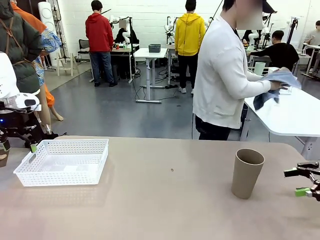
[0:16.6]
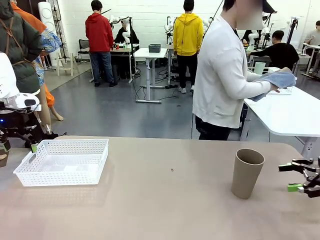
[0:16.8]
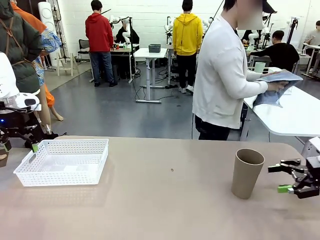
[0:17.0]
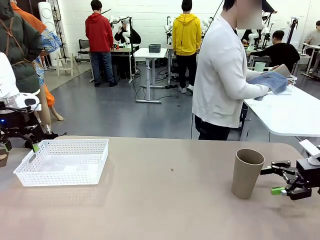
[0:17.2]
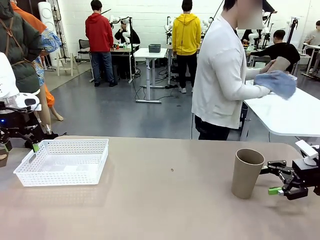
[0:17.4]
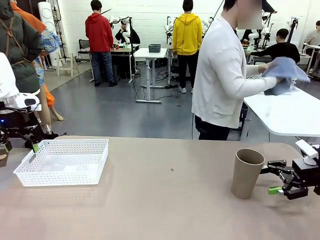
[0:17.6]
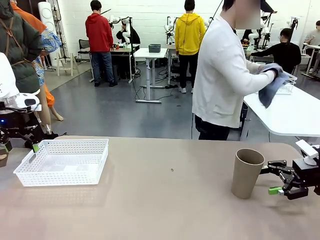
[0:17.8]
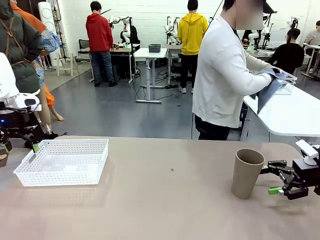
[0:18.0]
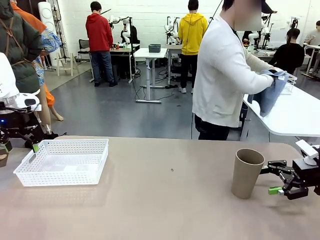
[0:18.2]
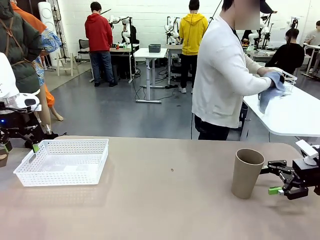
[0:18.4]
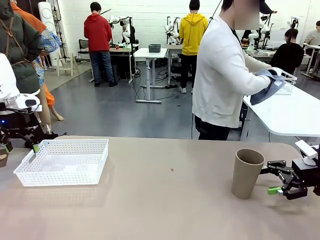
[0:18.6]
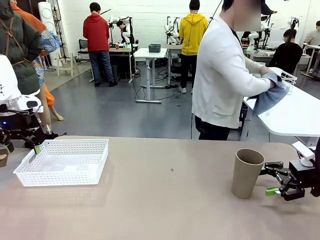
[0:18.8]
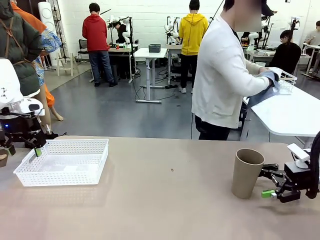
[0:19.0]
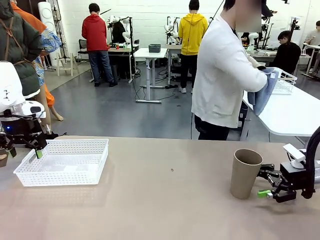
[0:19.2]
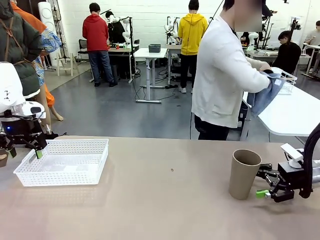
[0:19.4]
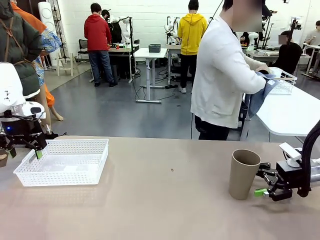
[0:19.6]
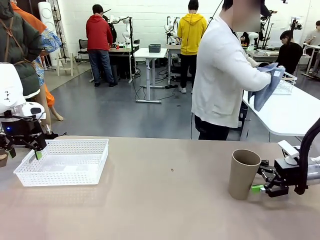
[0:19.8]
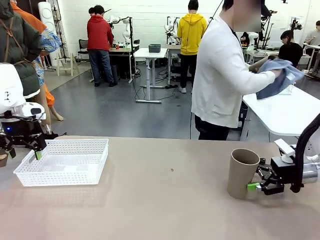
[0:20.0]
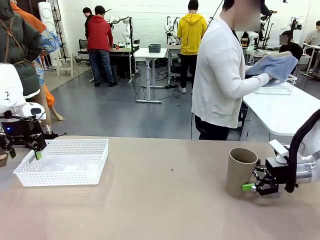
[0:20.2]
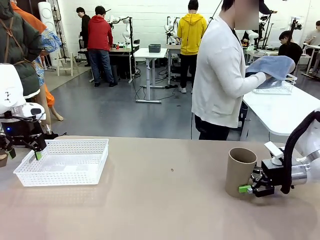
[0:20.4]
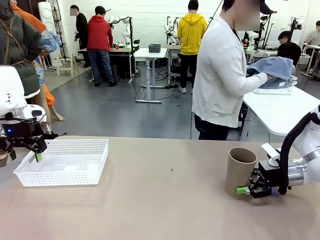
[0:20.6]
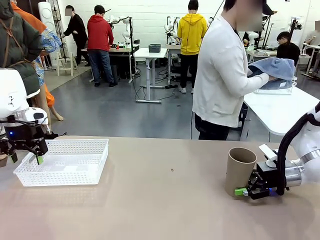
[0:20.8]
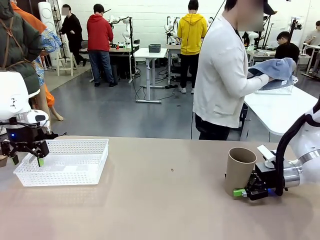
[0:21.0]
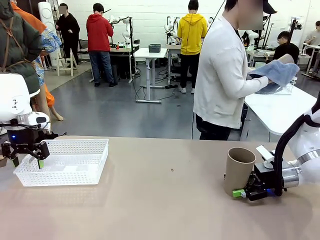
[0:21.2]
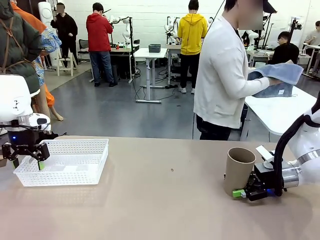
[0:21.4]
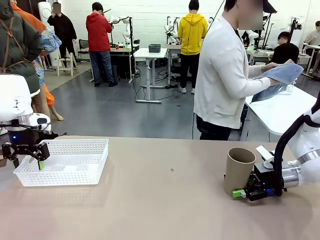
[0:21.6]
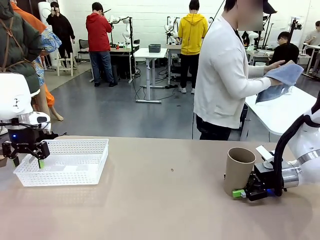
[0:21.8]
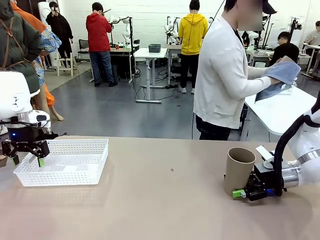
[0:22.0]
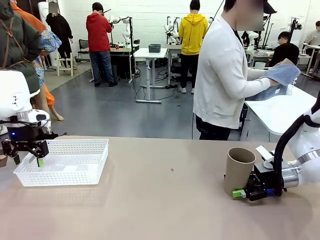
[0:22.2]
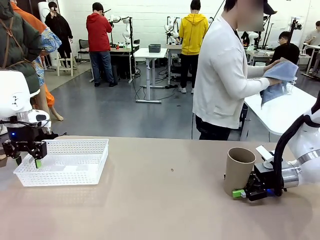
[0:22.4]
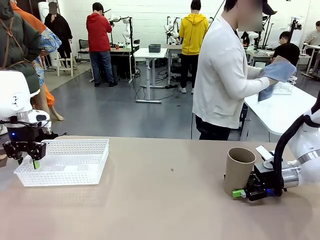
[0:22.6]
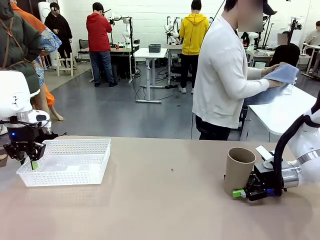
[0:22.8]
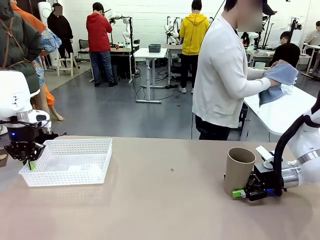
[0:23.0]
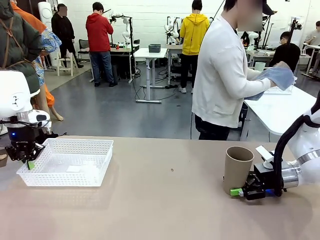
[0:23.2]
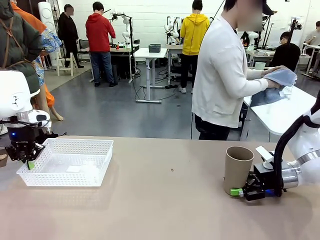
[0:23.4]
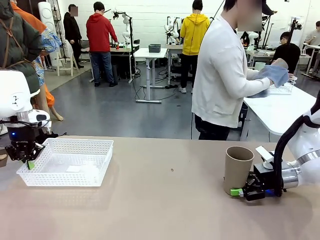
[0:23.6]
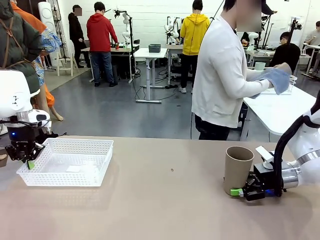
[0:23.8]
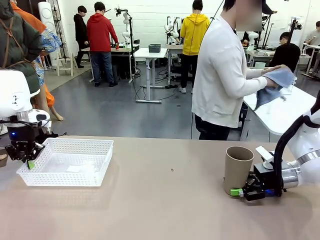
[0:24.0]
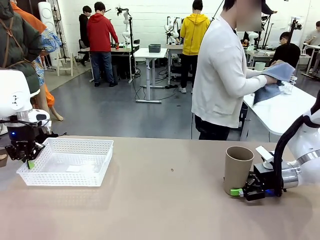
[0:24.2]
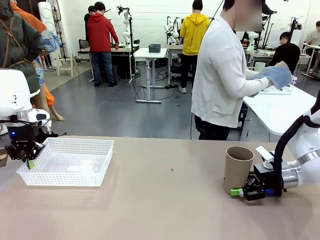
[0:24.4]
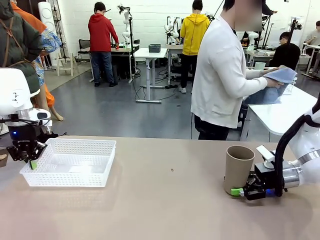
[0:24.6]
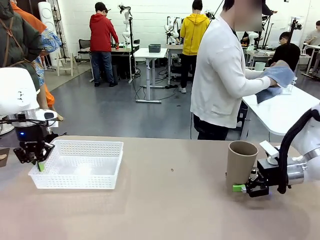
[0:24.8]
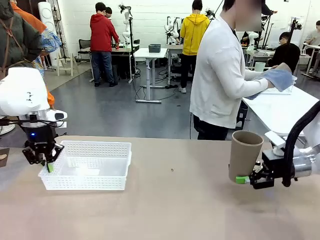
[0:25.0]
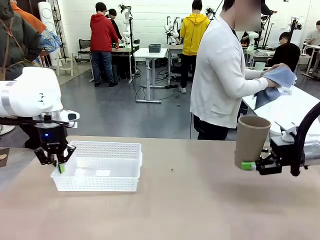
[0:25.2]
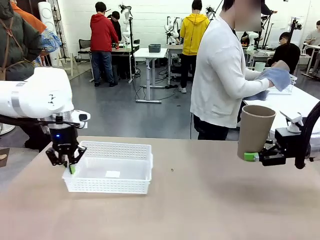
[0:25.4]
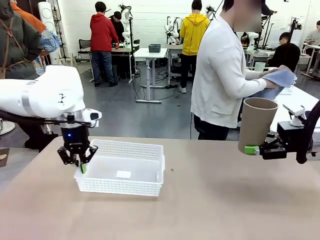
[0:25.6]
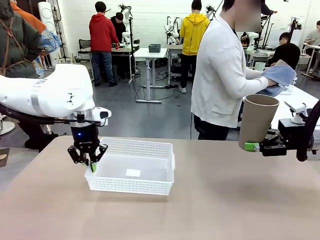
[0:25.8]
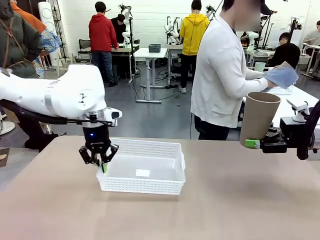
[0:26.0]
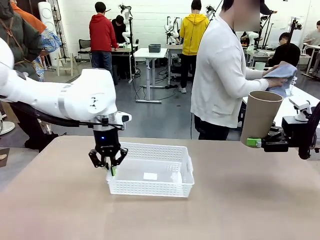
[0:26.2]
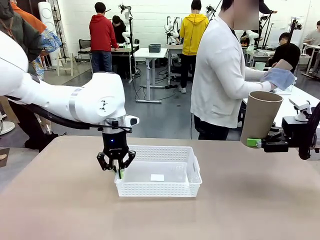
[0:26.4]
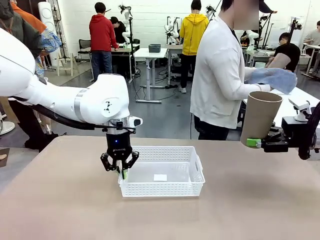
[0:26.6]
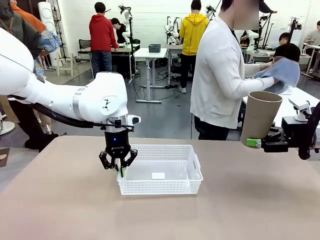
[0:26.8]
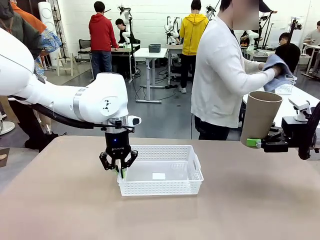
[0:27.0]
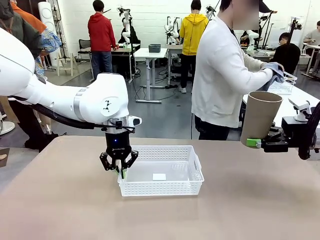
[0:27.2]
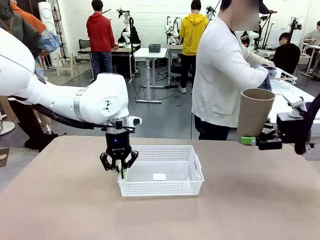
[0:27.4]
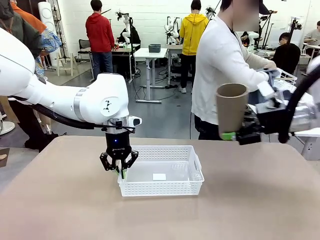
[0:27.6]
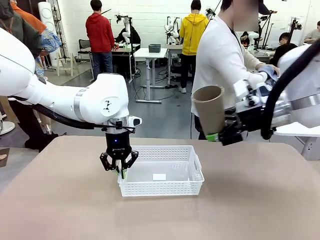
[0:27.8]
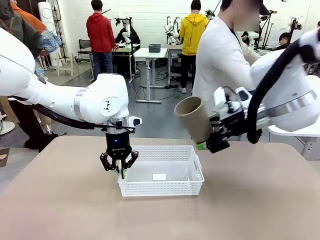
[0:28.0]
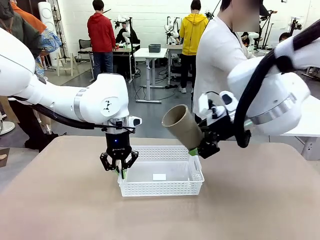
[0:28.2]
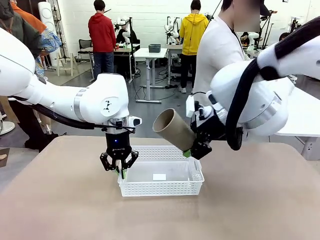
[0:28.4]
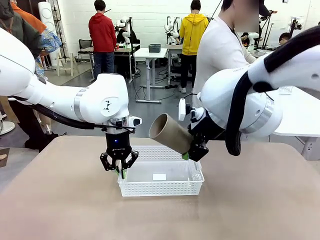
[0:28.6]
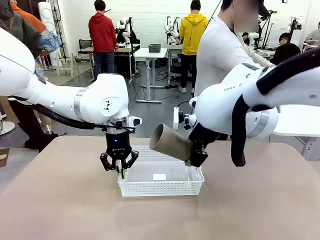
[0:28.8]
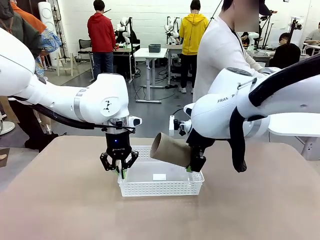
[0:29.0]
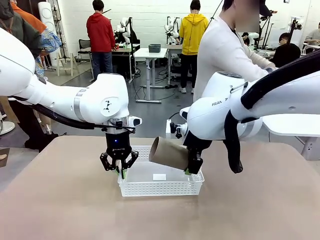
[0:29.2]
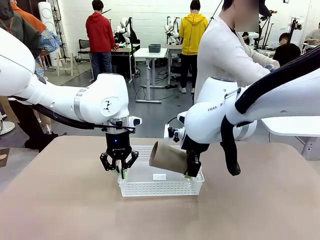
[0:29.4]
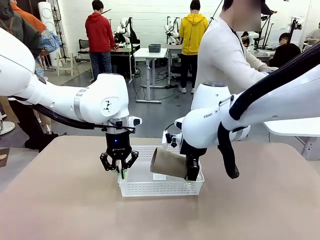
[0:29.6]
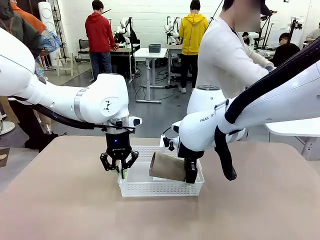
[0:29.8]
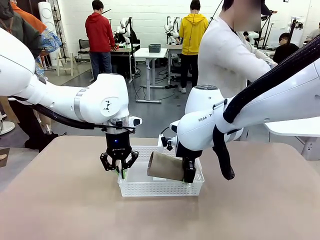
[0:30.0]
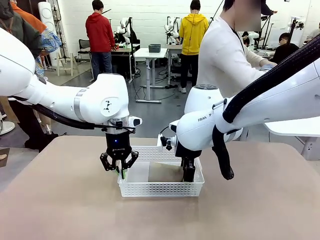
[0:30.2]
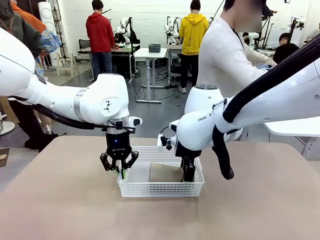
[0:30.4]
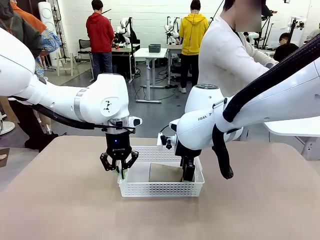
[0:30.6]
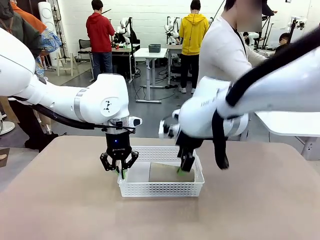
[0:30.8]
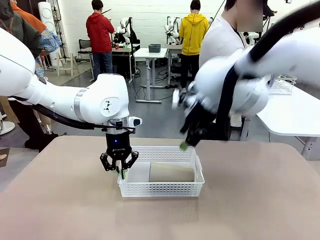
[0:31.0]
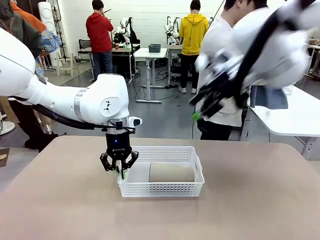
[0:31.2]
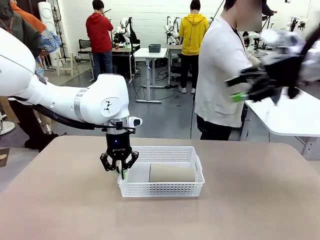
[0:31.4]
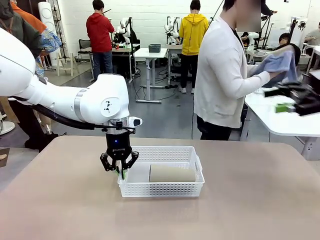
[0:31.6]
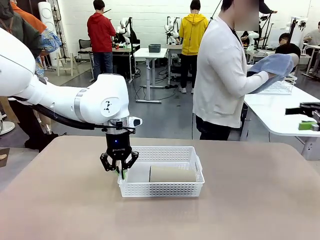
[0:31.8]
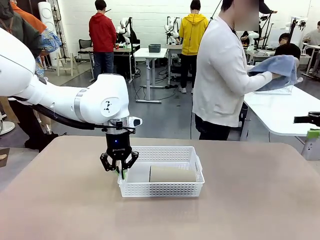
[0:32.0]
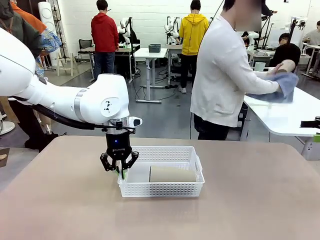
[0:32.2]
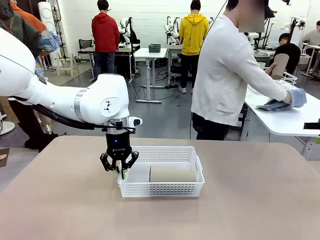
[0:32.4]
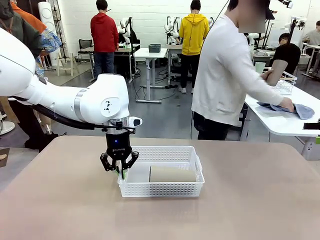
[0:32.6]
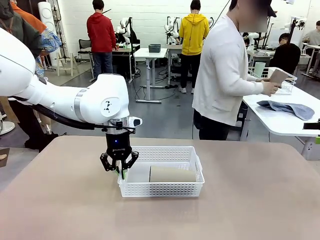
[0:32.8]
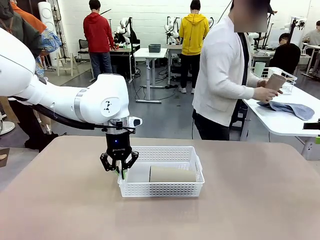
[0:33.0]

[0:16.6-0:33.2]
Task: Clean and organize the cups into the basket.
Robot: Pick up the Organizing basket and move it to the center of the table, then pick up the Reusable plastic cup from the right side of the table and place it inside the Organizing basket.

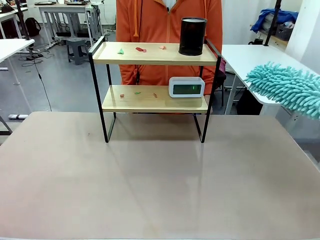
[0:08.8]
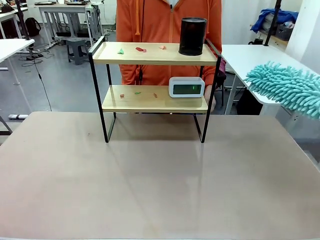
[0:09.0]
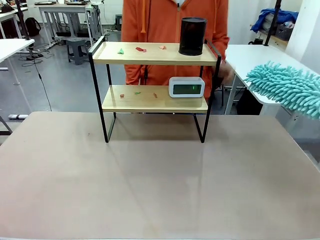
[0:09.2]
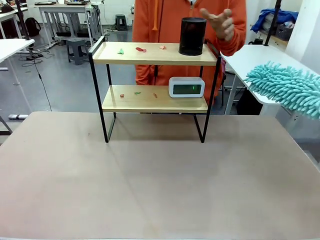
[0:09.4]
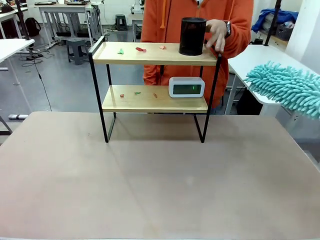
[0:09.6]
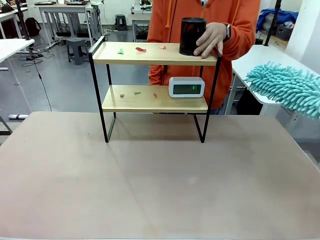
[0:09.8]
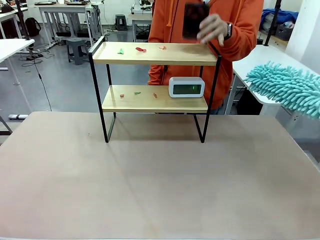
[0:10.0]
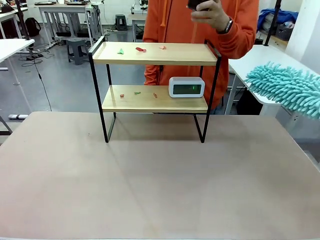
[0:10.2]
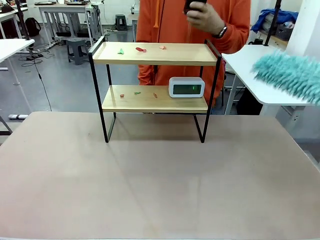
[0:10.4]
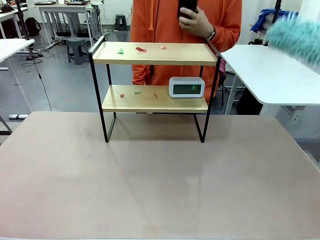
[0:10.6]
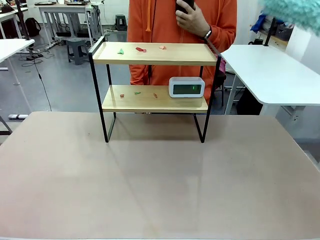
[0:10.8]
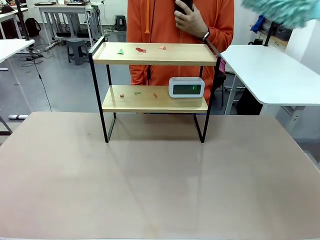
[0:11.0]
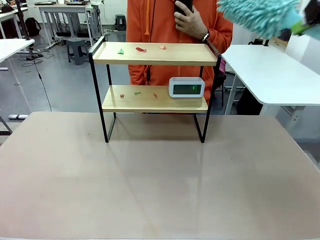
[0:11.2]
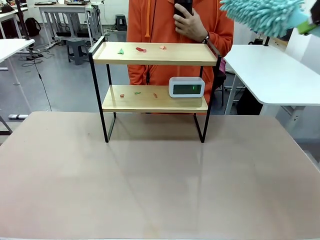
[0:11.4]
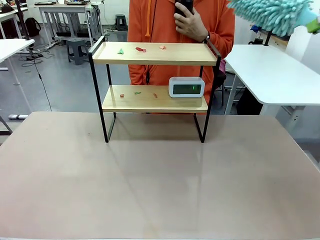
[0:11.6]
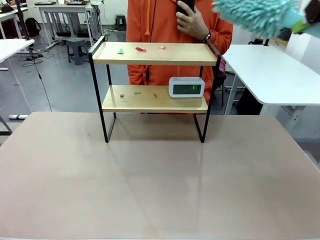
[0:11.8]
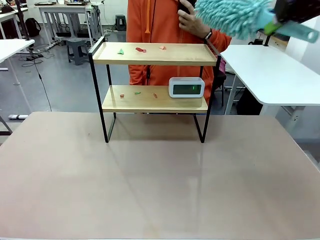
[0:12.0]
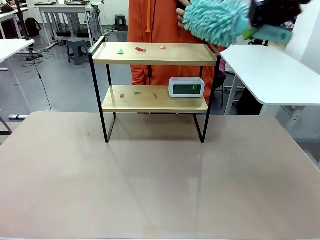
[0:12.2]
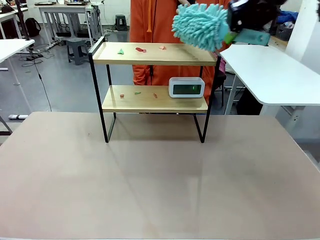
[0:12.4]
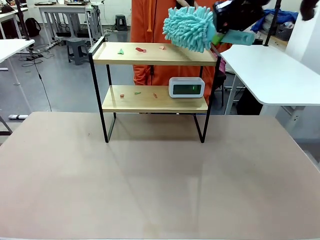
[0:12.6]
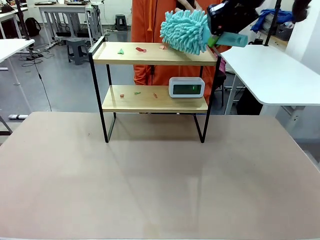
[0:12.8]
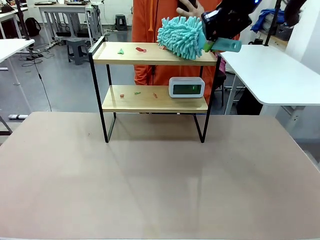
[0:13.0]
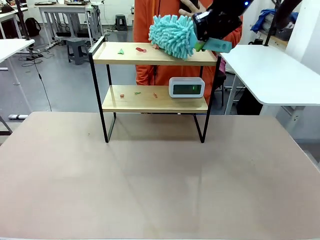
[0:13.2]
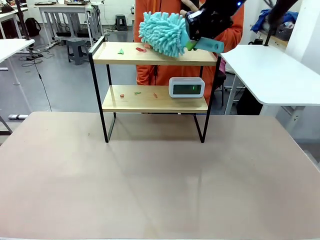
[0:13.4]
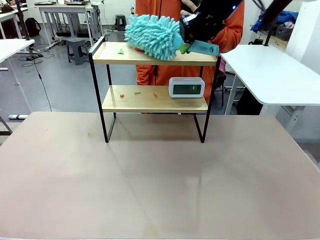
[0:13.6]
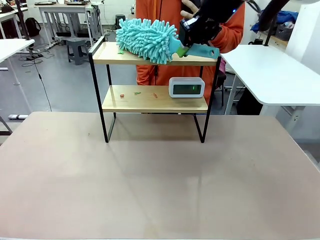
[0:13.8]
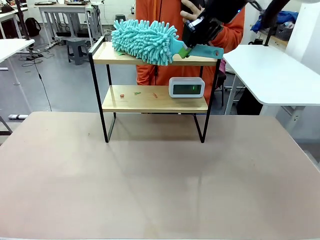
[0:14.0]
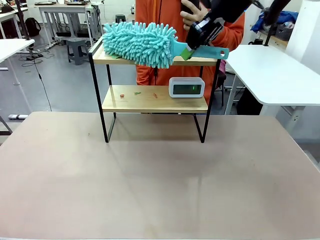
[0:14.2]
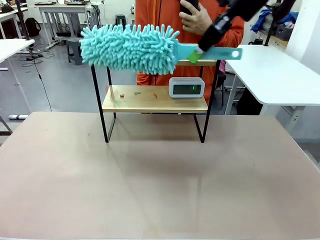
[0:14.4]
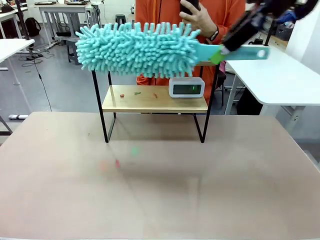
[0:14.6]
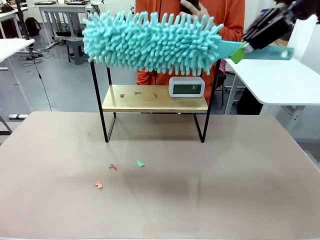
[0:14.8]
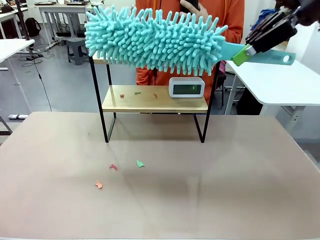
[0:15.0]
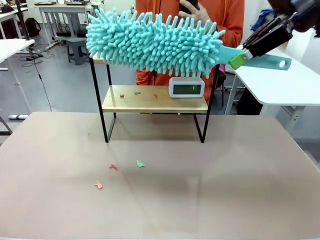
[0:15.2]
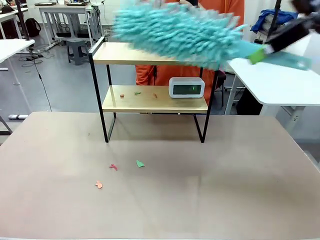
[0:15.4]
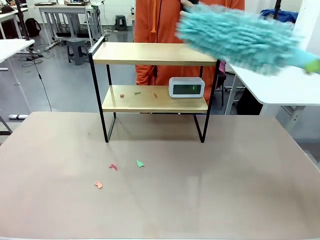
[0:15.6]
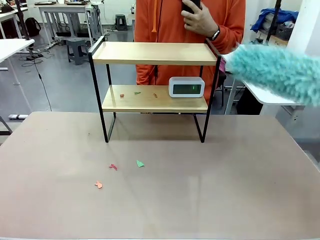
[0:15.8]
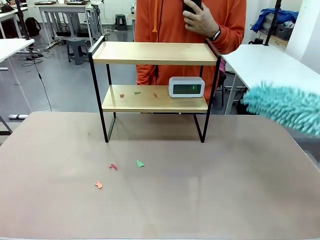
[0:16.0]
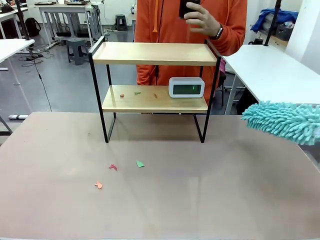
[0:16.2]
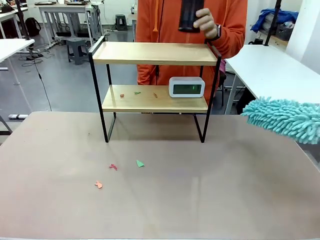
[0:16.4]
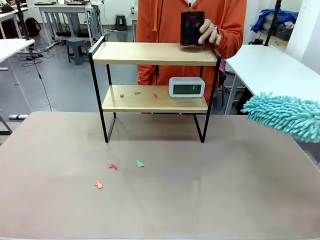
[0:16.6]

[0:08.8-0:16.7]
Task: Clean the shelf.
Robot: Clean the specific tier of the Shelf with the Duster once objects are removed.
Person: Lift the objects on a randomly selected tier of the Shelf. Once the robot finishes cleaning, lift the objects on the remaining tiers of the Shelf.
